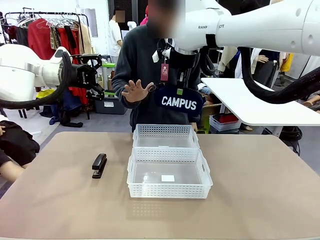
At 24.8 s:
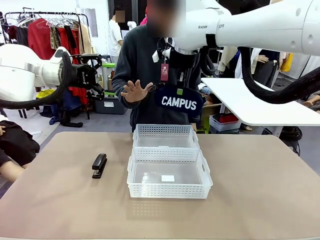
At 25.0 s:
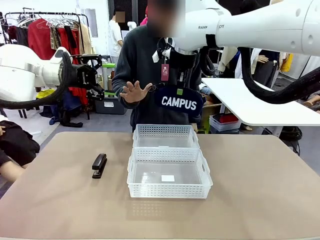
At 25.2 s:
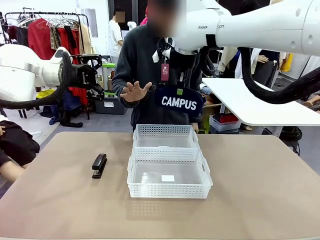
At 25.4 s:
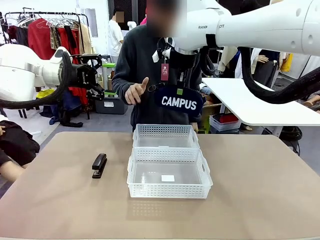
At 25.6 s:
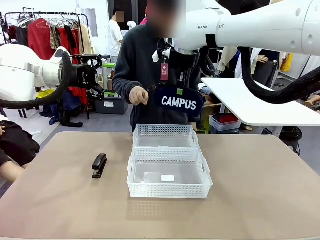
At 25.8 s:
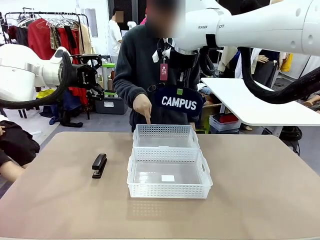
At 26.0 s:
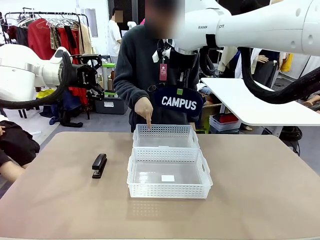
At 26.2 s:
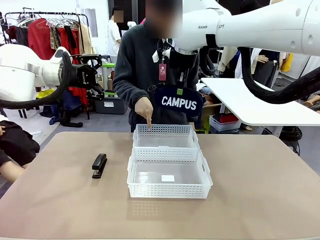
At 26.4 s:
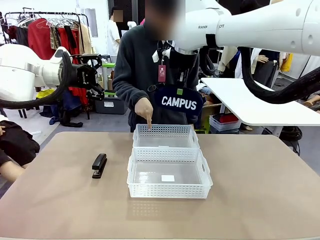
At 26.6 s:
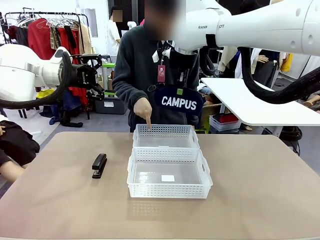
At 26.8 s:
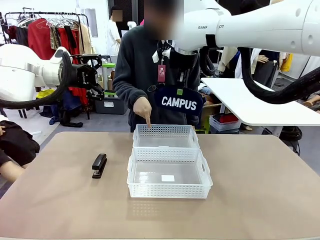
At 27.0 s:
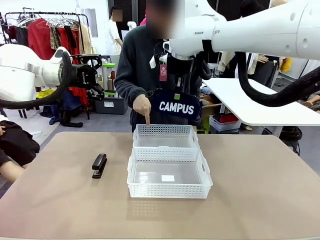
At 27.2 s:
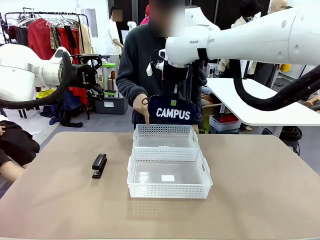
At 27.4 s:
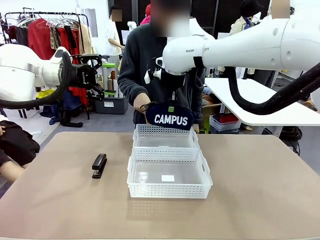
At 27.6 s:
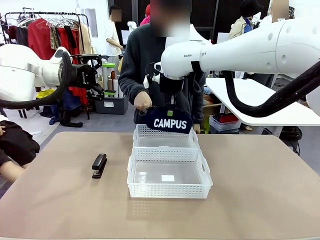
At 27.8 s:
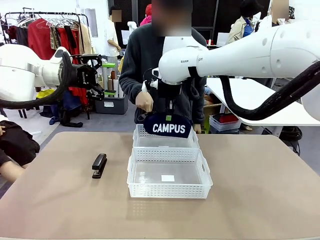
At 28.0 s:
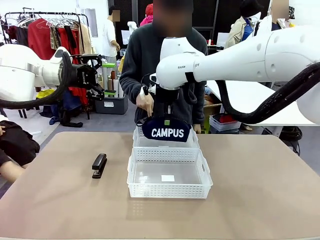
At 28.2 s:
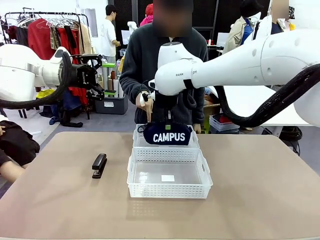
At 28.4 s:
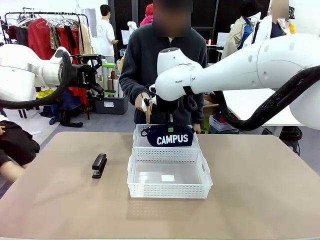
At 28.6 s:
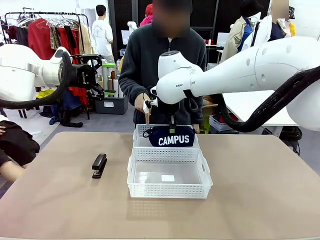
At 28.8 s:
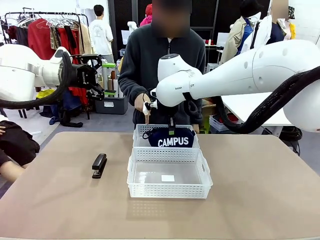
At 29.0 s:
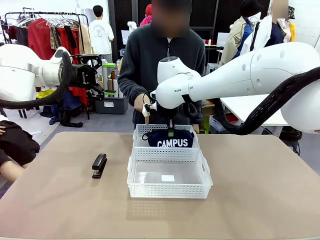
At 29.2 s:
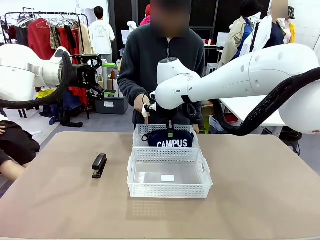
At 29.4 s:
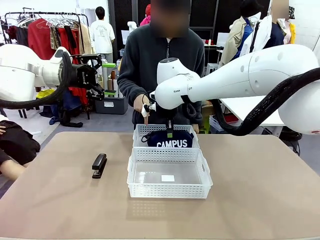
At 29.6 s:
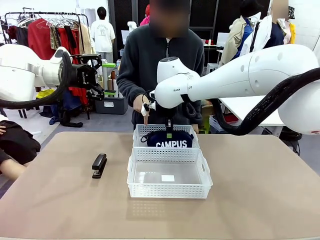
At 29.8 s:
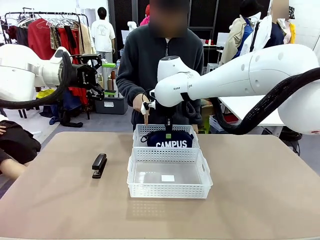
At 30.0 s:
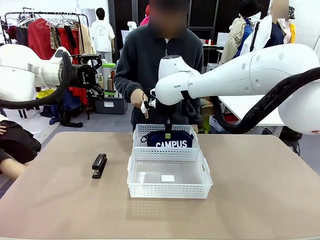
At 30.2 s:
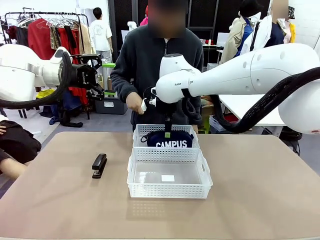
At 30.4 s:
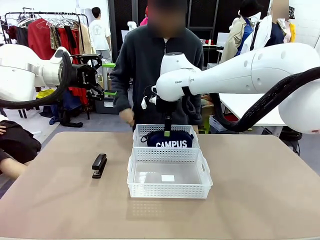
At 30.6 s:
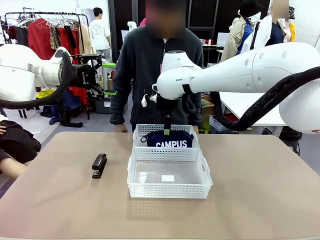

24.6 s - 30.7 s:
Task: Distribute items into two baskets.
Robot: Place the picked Pencil pouch into the Organizing basket as instructed by the person.
Person: Instructs the robot to place the pencil case into the opposite basket.

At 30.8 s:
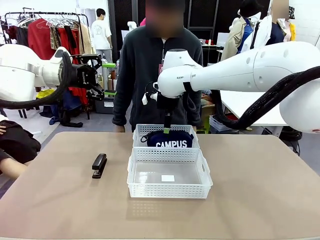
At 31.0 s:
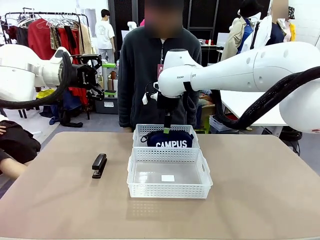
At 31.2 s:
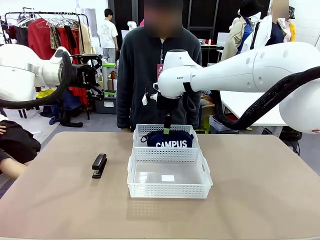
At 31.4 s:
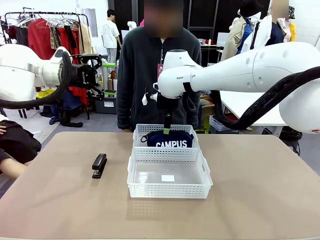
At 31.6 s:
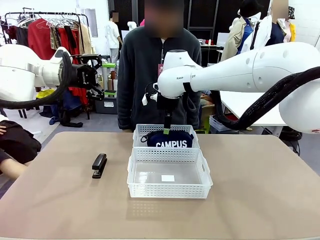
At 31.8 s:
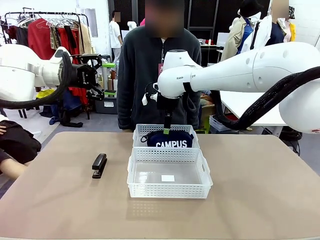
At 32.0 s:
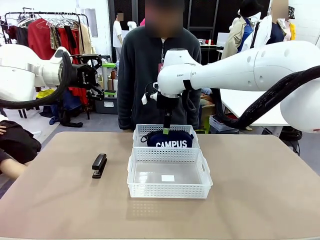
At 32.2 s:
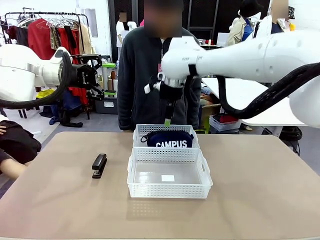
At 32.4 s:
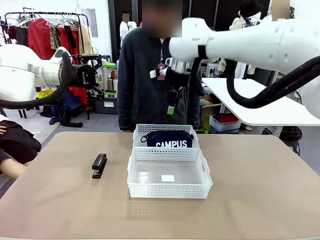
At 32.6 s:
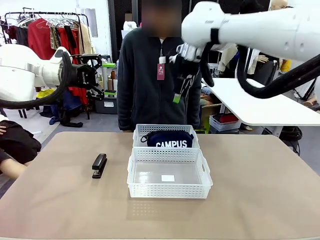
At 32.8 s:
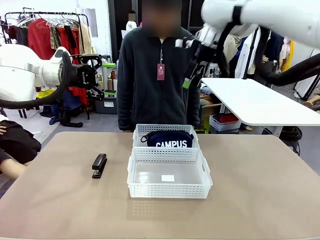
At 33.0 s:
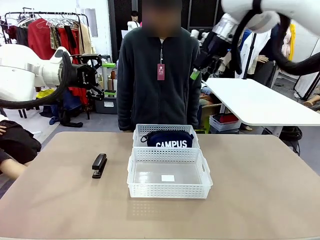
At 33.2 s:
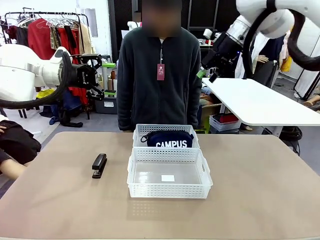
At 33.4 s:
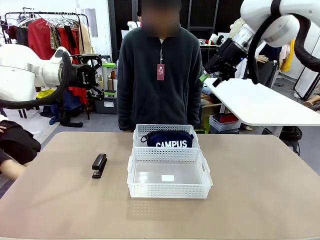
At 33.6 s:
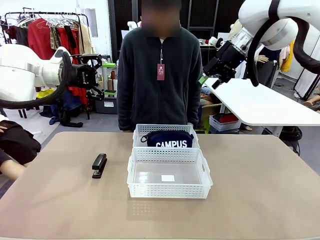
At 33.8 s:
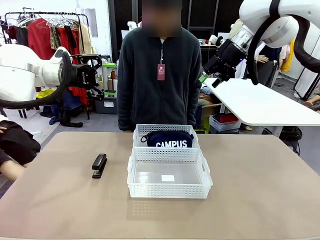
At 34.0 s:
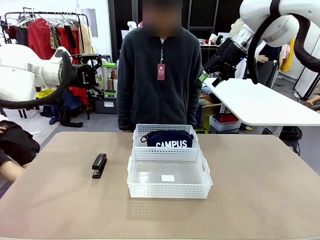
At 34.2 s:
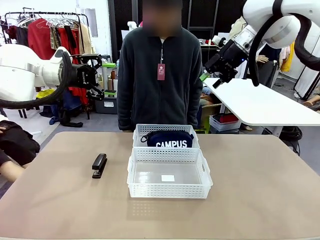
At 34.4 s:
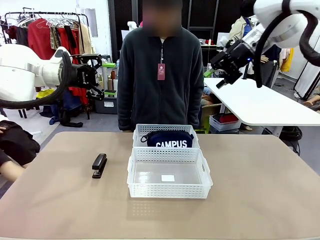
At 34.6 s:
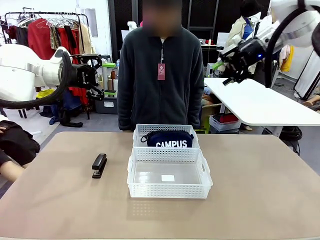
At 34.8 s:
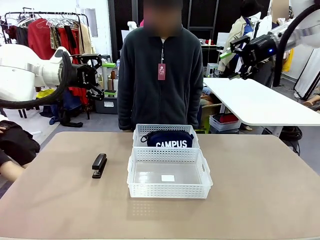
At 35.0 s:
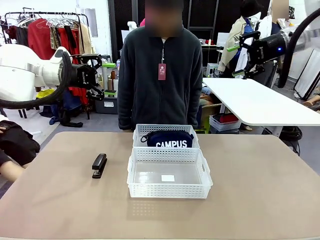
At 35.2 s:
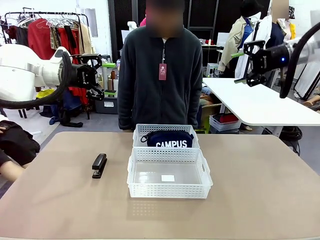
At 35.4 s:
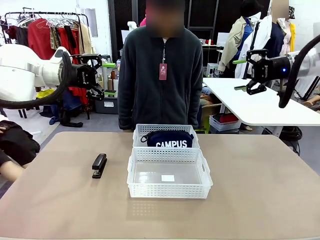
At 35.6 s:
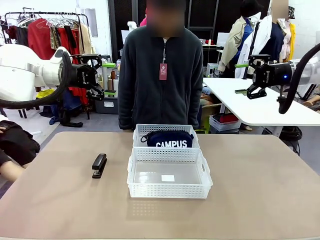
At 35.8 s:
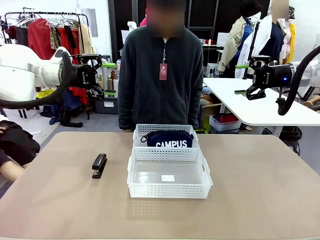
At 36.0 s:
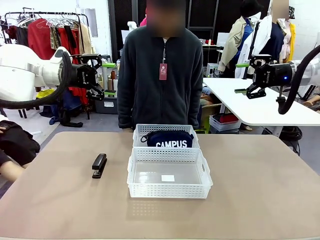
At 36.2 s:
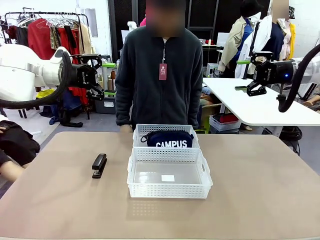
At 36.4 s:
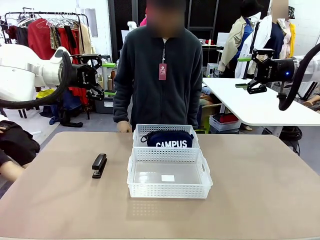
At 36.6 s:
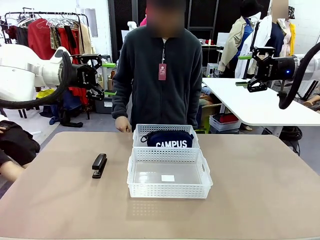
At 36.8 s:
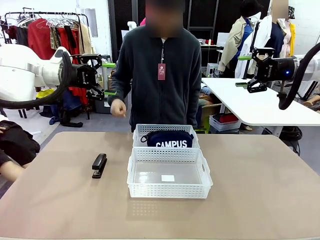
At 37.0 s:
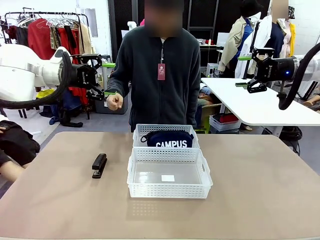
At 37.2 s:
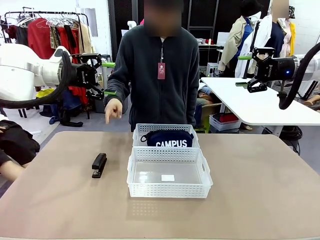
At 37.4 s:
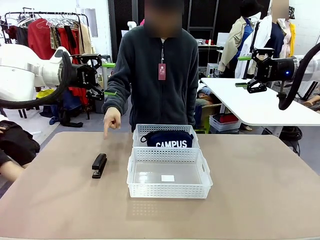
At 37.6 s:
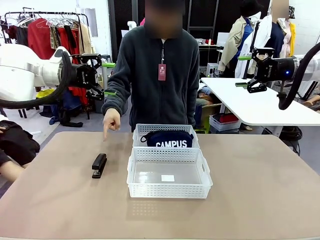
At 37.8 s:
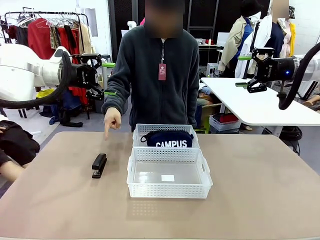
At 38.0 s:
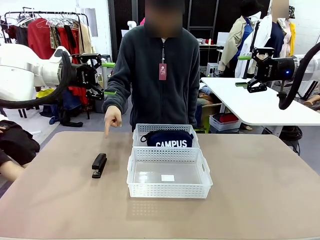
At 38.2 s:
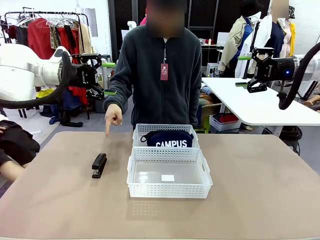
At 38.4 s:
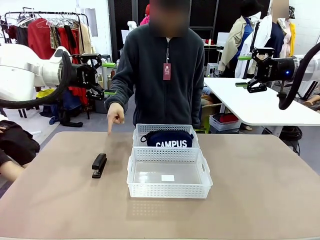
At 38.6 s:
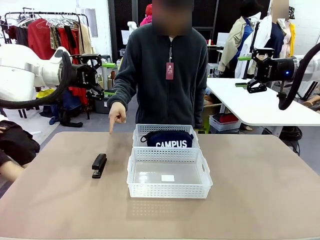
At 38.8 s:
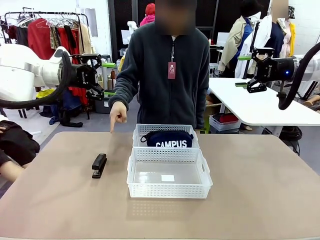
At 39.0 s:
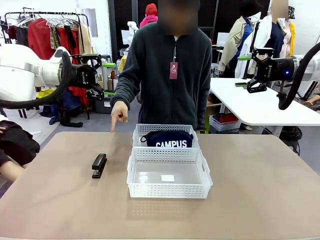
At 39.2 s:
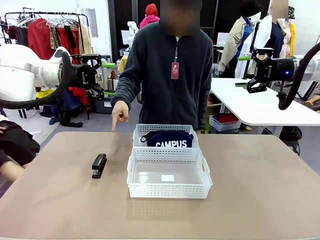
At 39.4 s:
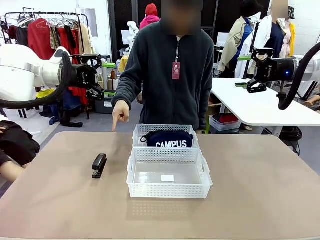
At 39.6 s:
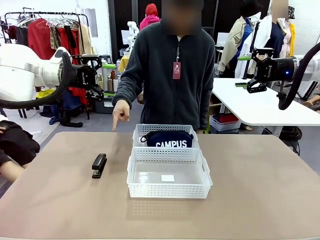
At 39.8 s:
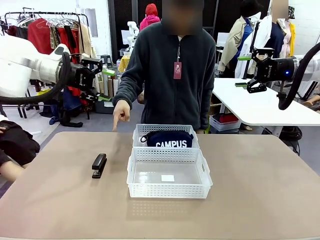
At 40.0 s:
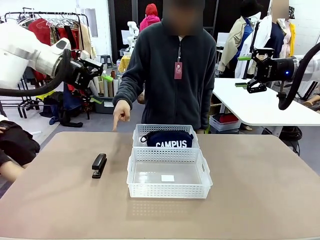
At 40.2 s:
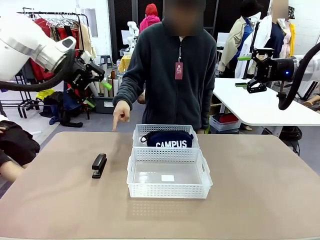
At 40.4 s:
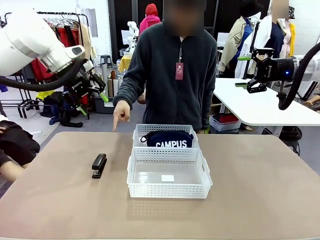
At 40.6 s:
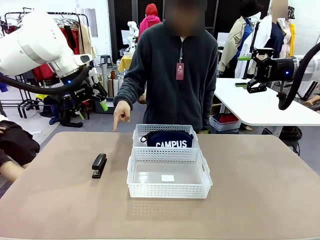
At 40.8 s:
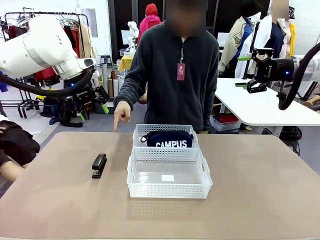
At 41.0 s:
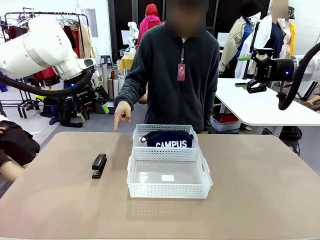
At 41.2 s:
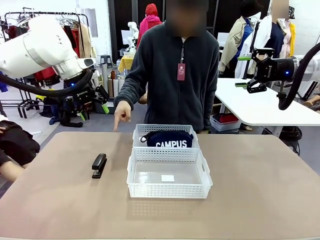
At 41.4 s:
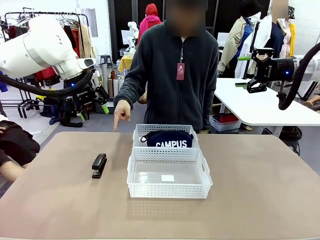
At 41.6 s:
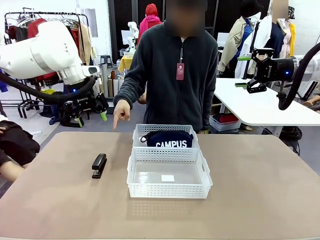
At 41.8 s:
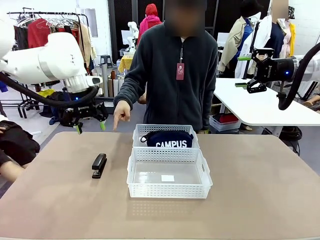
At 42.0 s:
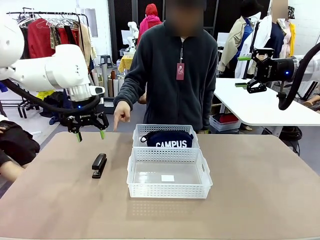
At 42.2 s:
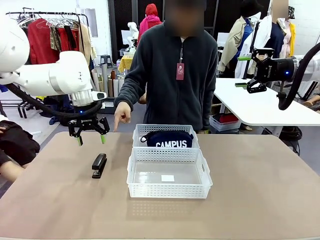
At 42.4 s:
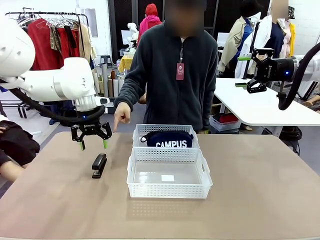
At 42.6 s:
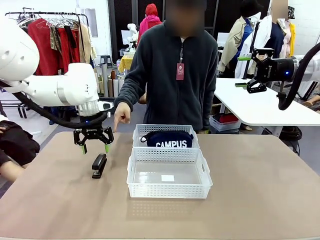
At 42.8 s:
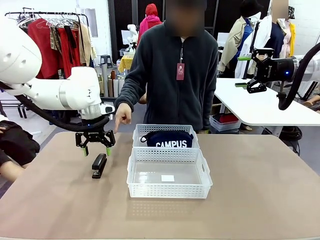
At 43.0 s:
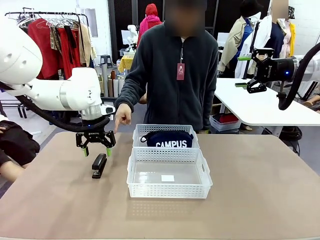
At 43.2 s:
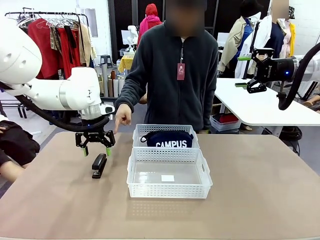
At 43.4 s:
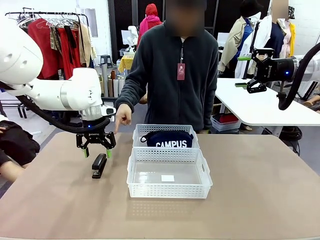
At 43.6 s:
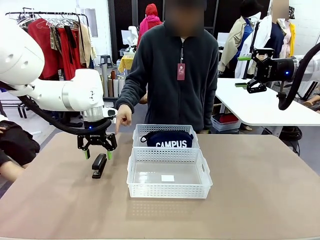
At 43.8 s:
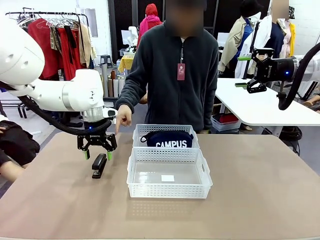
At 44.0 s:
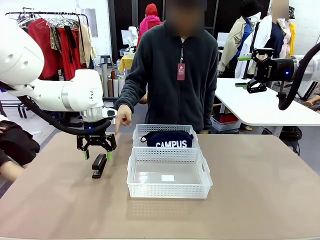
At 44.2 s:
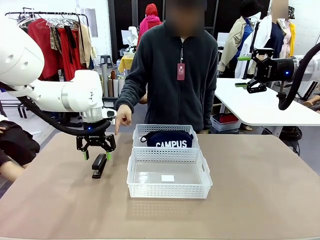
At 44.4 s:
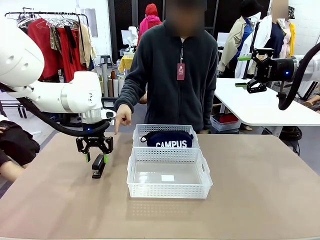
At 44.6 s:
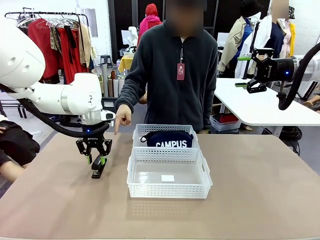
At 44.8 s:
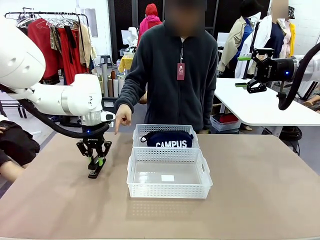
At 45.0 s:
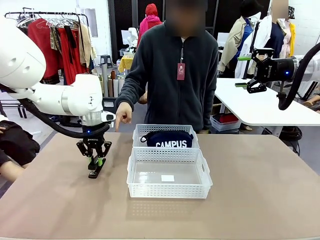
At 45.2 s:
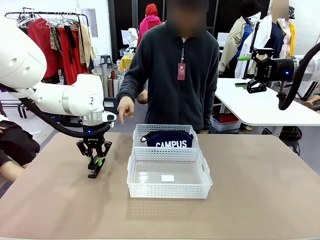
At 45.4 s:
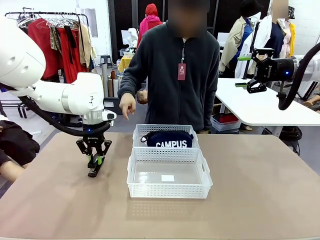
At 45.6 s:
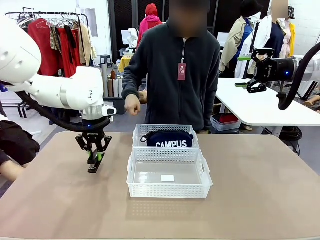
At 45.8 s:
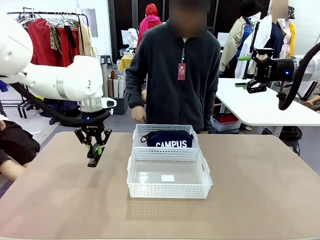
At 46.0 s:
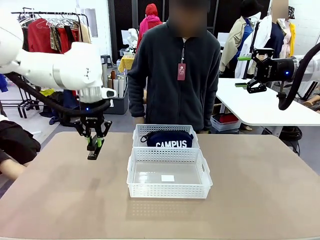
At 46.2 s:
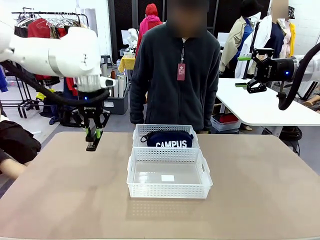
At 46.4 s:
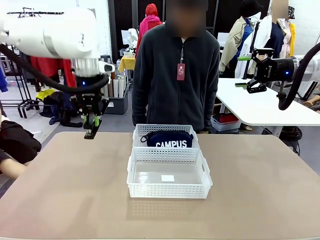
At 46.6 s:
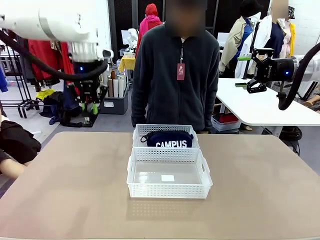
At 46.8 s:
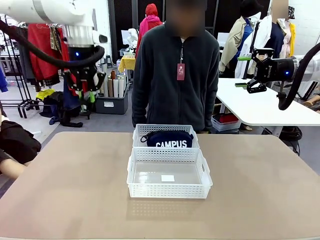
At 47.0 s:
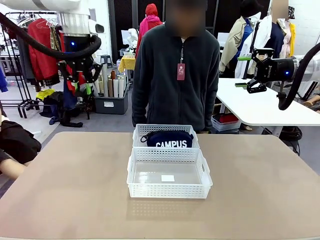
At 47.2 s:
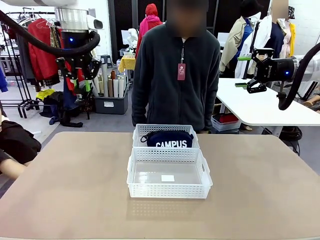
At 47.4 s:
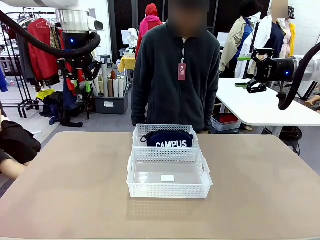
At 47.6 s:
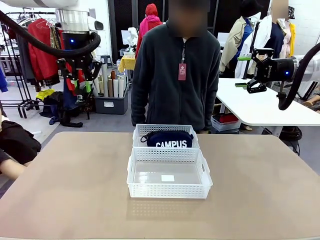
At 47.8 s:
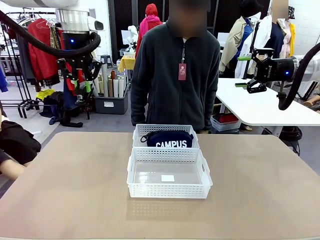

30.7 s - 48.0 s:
Robot: Pick up the Stapler that the person points to.
Person: Points to the stapler.
